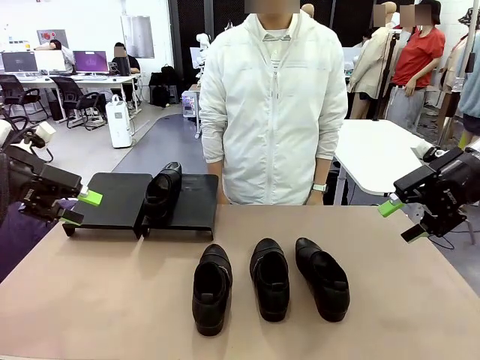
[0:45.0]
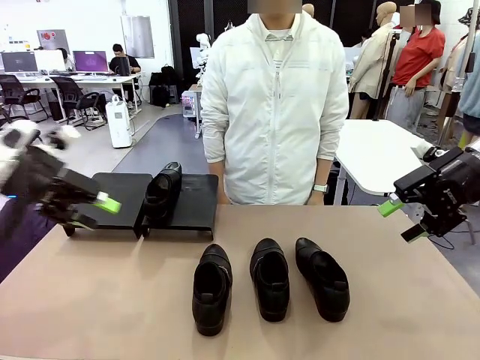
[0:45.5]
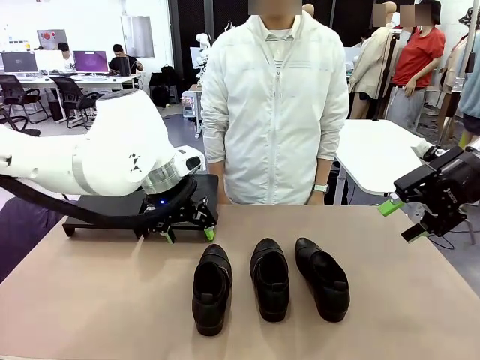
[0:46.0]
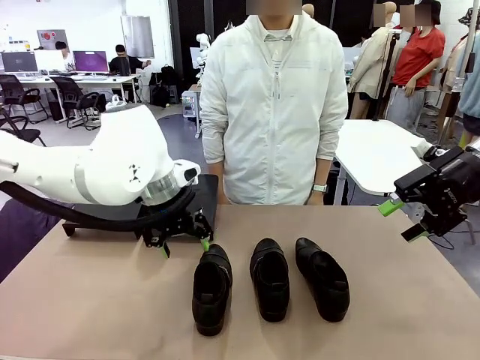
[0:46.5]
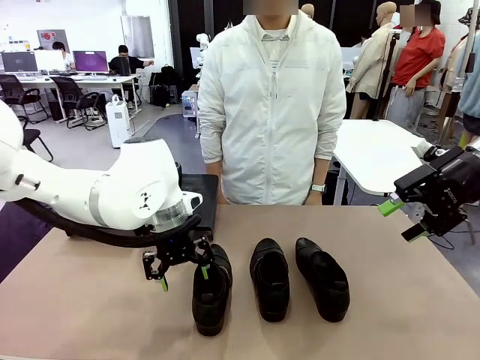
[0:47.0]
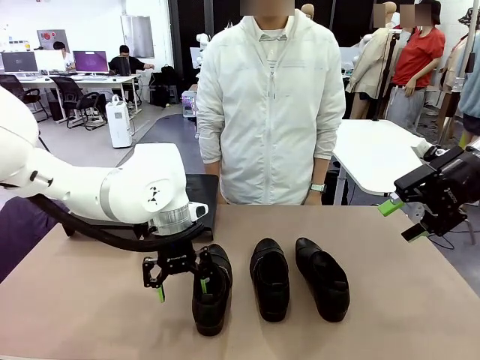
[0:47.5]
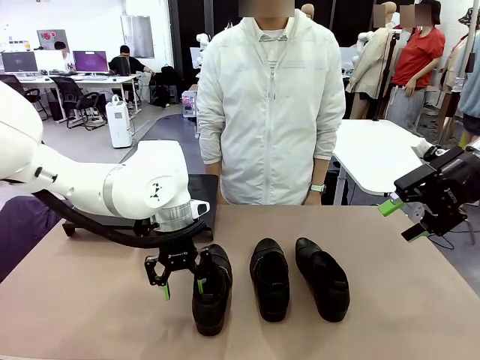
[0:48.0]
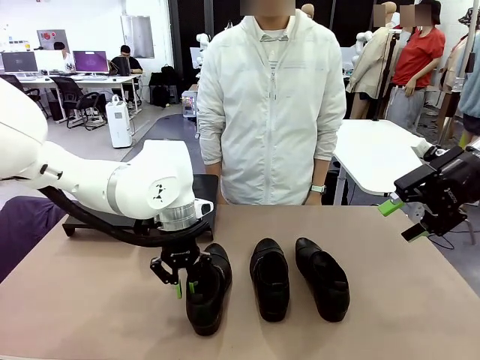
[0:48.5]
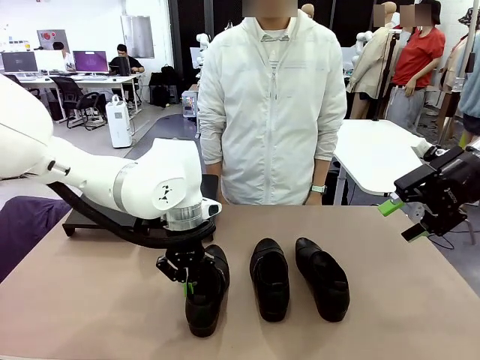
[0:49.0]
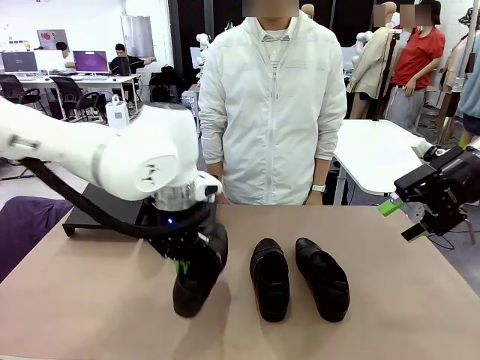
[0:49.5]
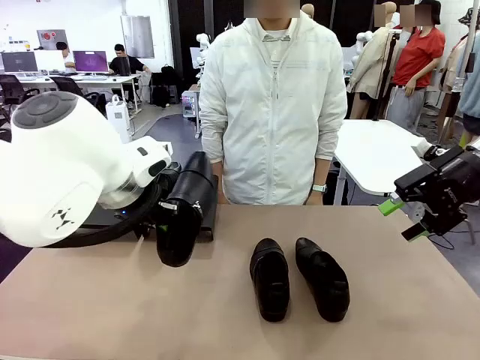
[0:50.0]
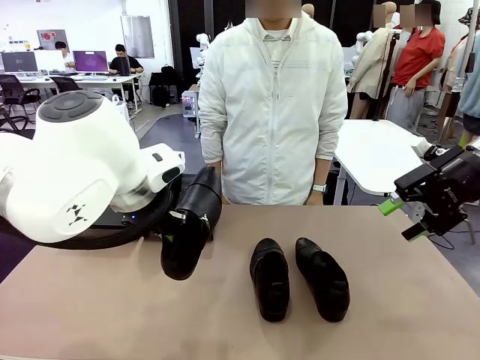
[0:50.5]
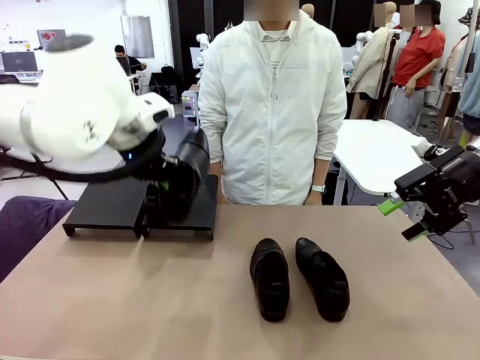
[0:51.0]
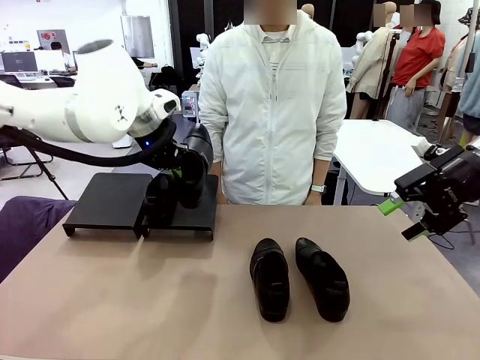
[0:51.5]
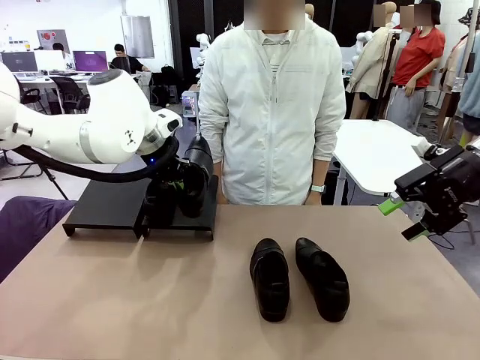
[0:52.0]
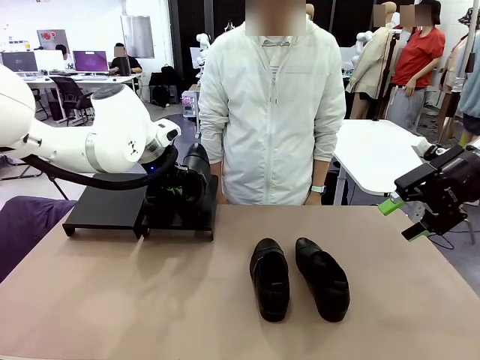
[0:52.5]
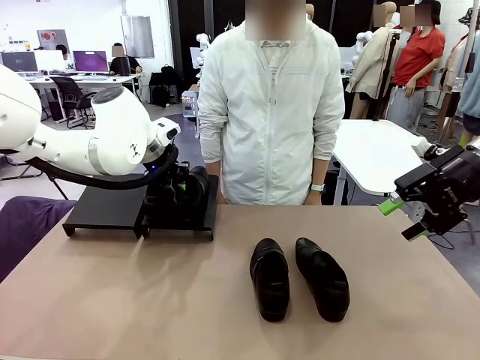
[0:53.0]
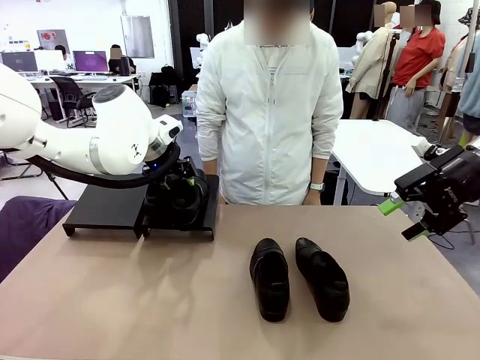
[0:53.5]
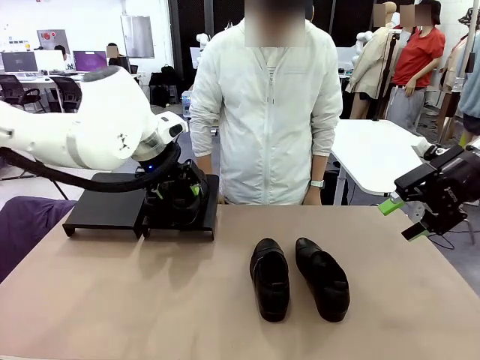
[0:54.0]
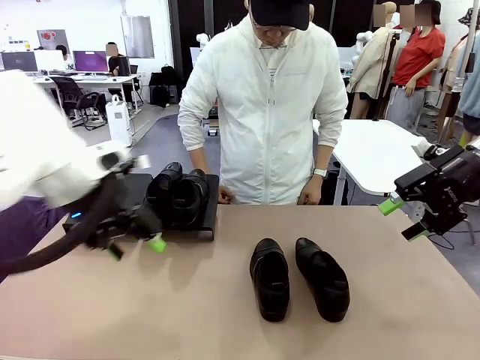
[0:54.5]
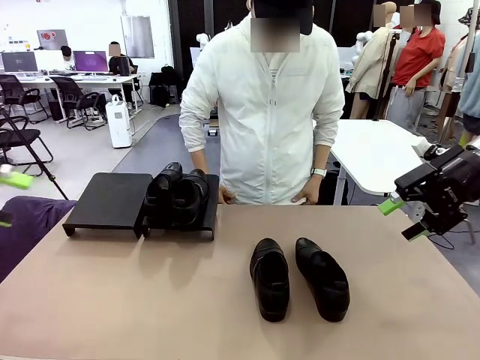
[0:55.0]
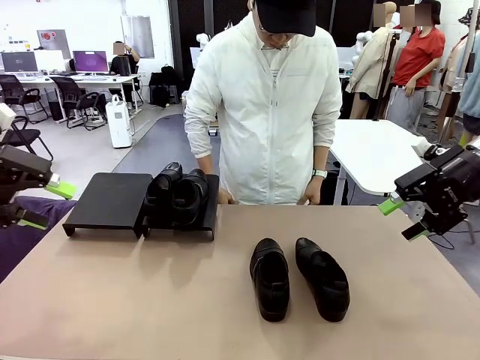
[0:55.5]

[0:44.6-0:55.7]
Task: Organize the shoes by placing them on the stand.
Robot: Place the Shoe from the middle of the table onto the Shoes Stand.

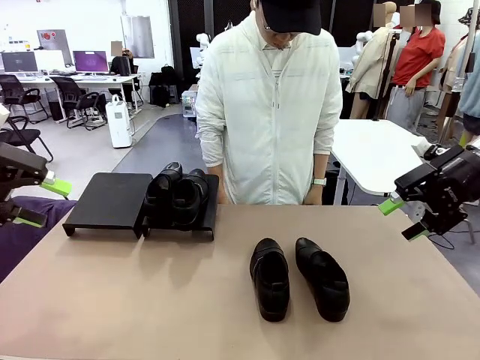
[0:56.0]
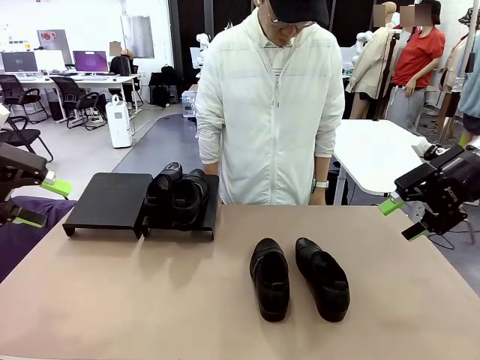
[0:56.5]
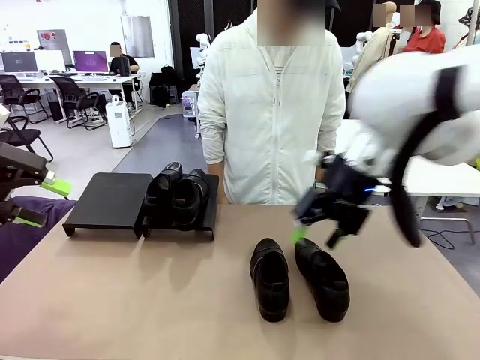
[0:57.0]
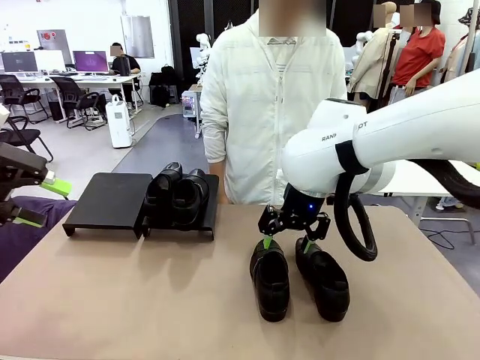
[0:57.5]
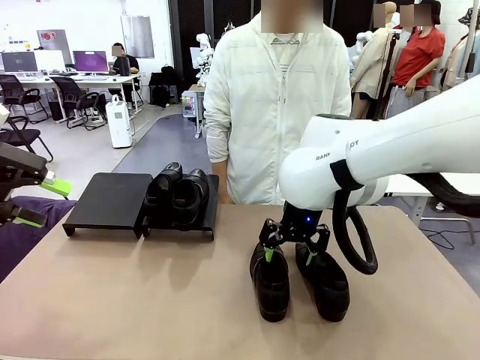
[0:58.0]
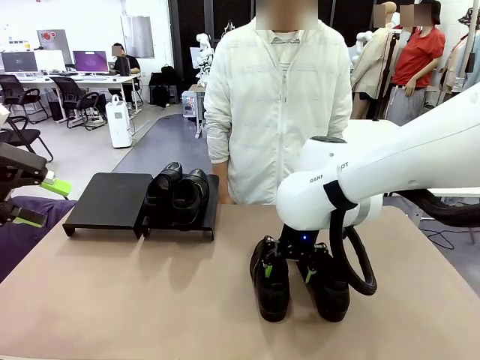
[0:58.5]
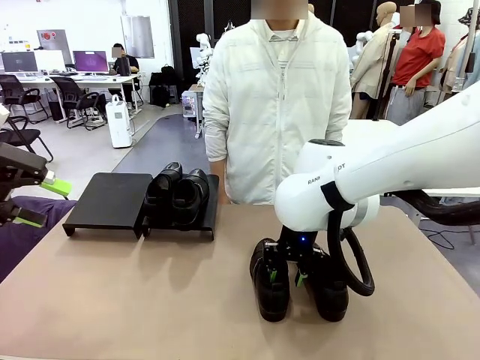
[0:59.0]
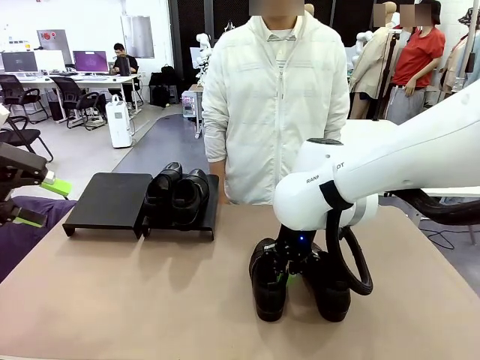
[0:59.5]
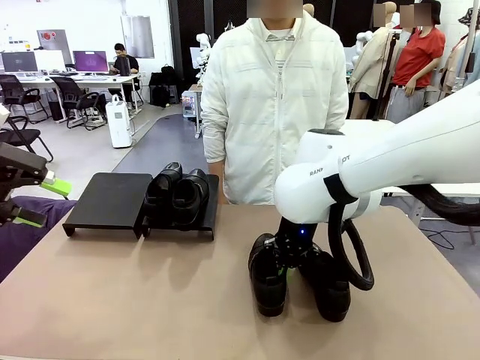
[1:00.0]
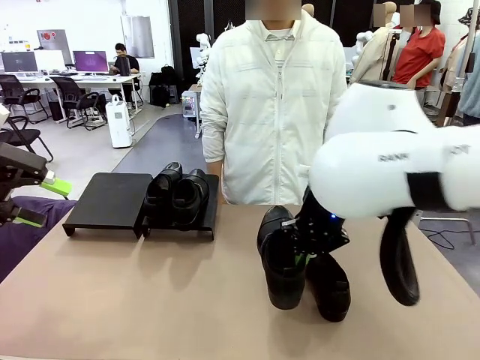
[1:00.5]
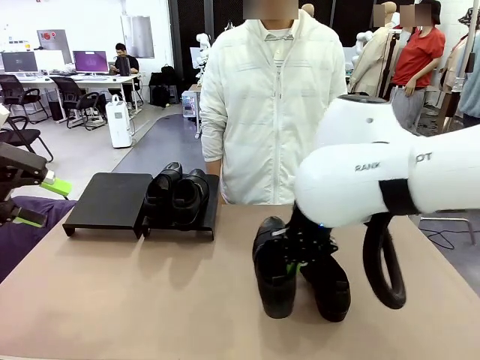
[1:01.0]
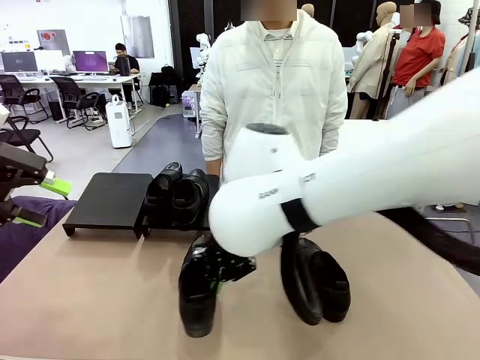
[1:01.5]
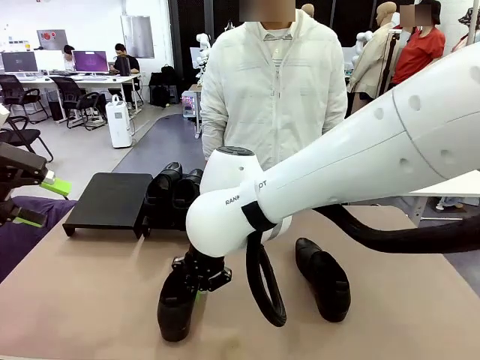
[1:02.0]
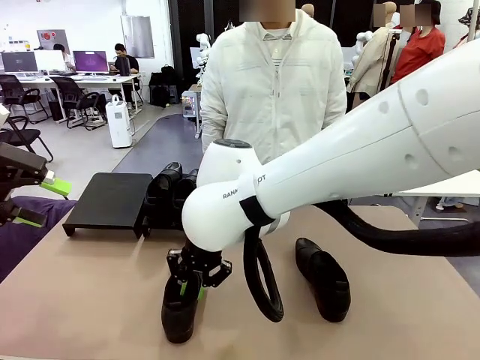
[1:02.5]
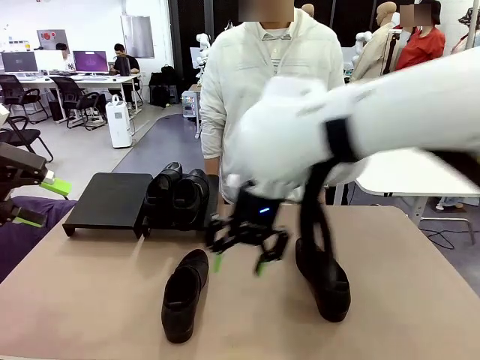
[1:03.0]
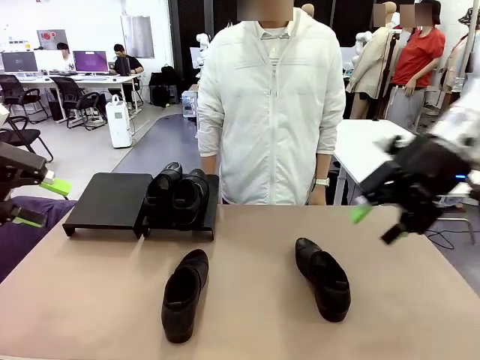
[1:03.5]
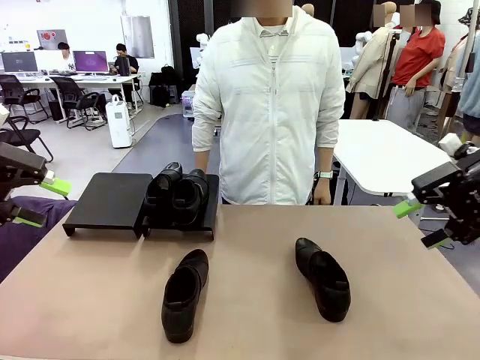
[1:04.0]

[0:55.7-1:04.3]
Robot: Pick up one Shoe and place it in the middle of the table.

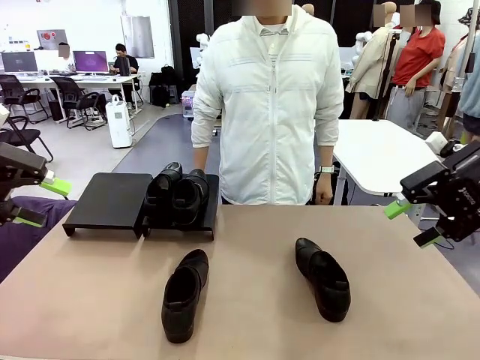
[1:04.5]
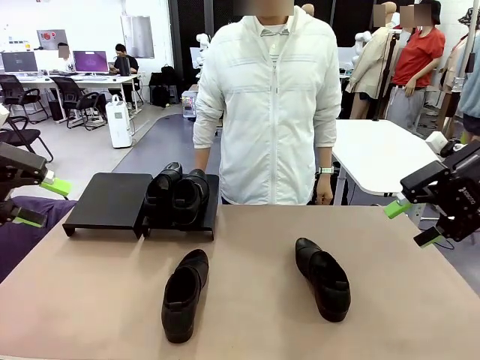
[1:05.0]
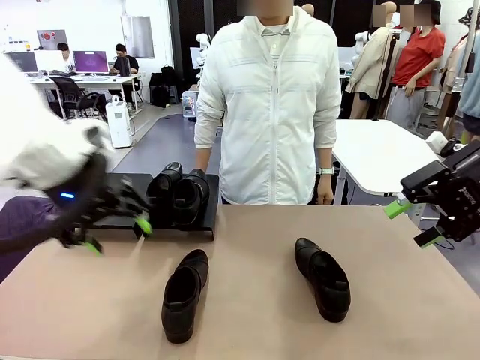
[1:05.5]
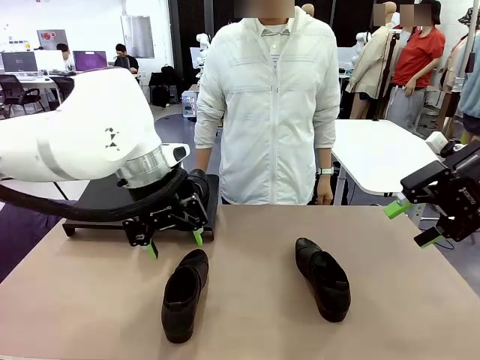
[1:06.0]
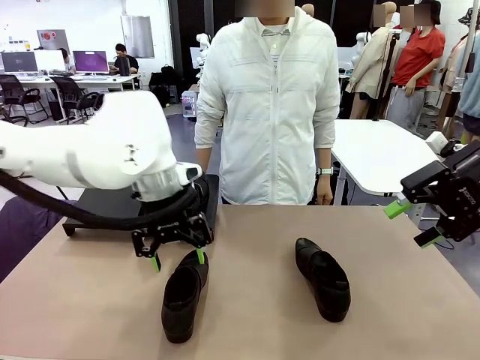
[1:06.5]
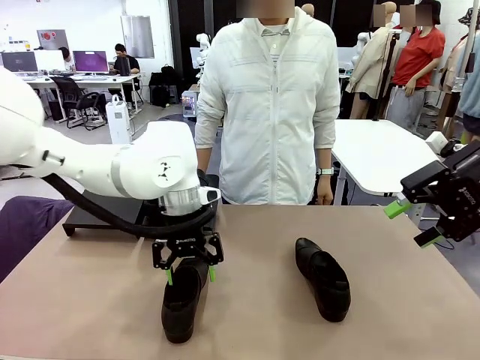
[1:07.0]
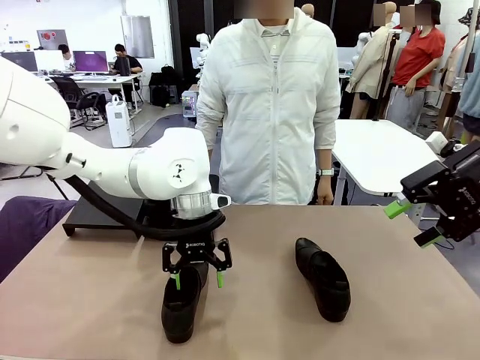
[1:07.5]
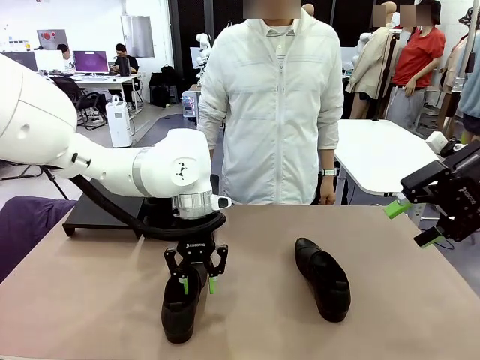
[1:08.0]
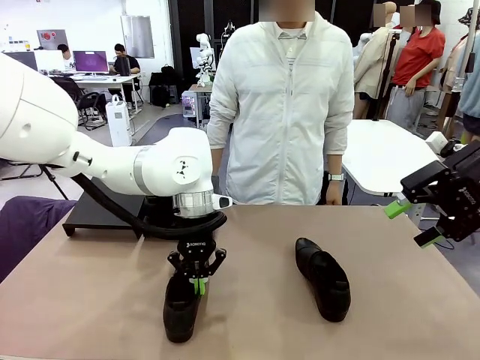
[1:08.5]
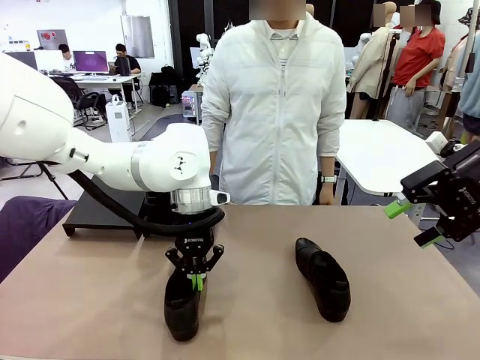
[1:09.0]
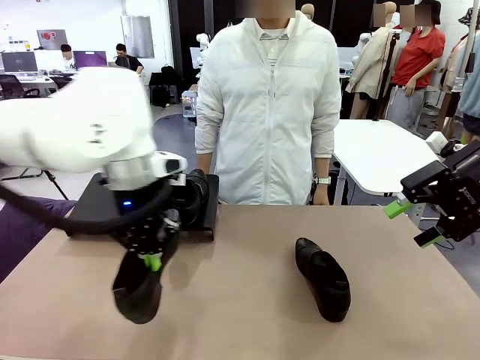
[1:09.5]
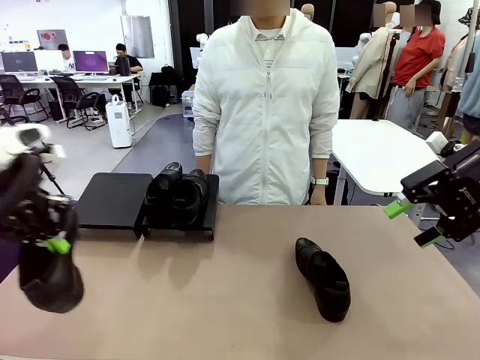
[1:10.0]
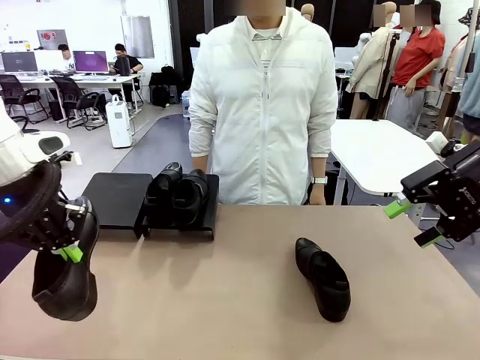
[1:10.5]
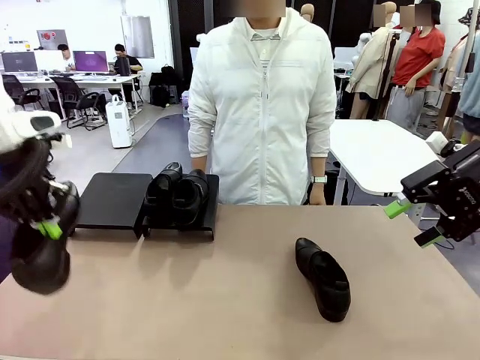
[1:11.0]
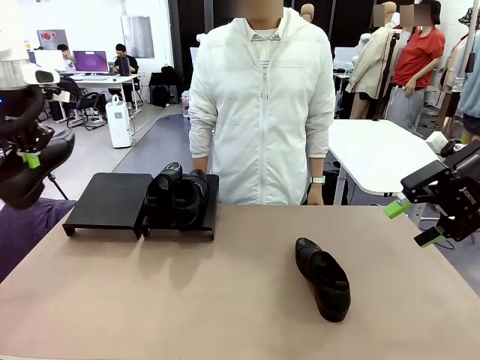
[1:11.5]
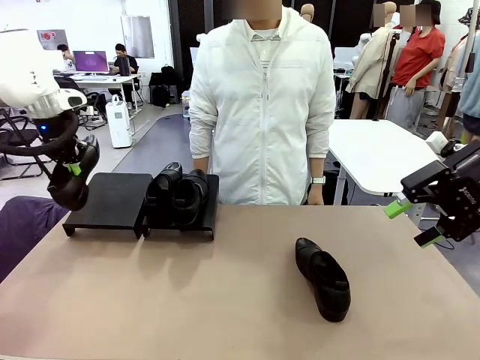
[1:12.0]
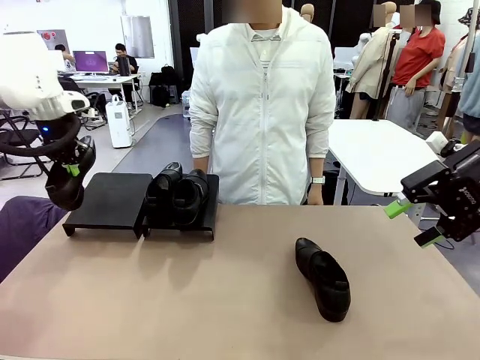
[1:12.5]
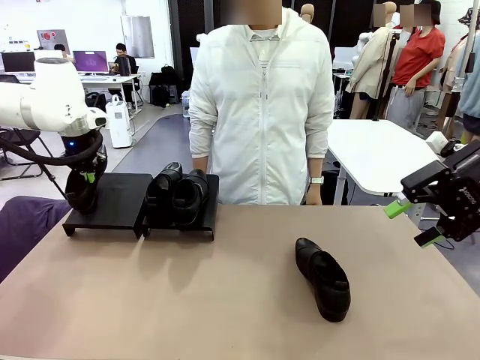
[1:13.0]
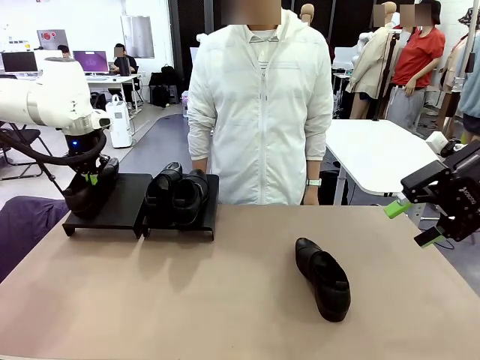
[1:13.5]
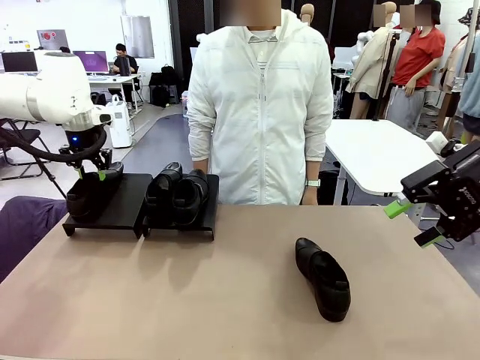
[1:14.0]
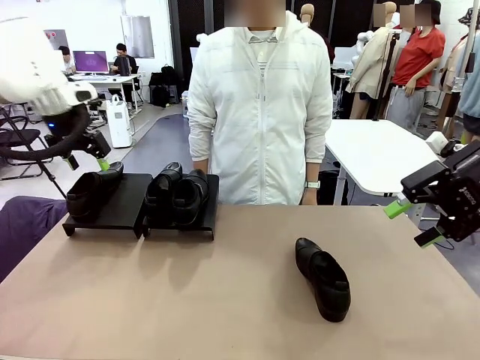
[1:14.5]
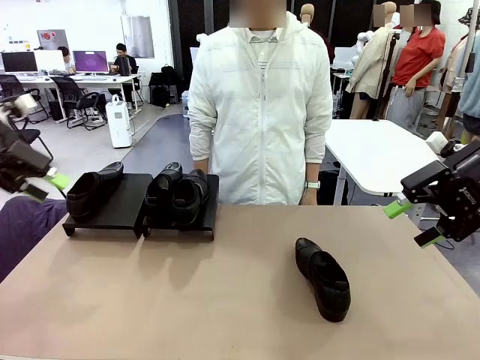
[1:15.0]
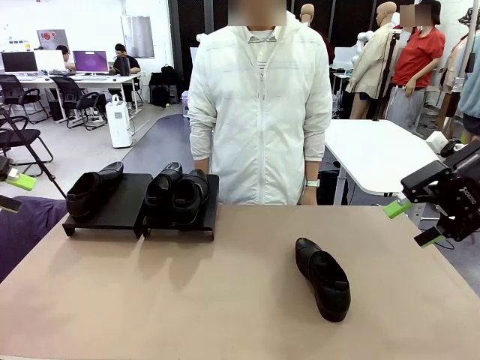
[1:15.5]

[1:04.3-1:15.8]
Robot: Place the Shoe from the middle of the table onto the Shoes Stand.
